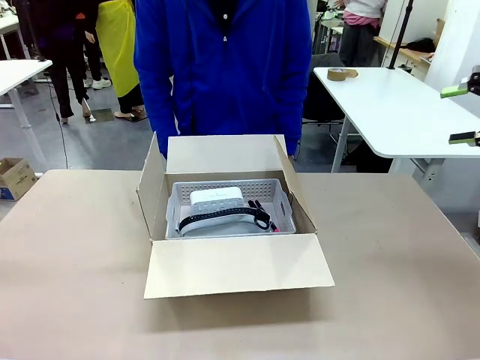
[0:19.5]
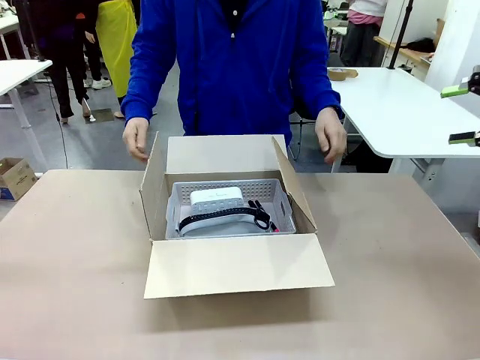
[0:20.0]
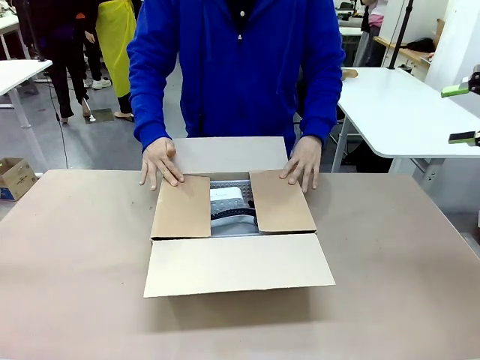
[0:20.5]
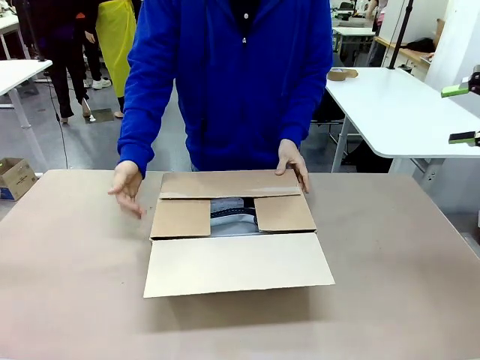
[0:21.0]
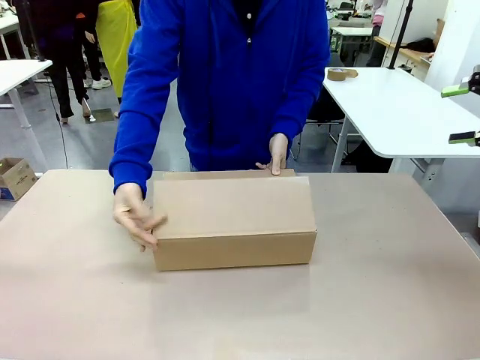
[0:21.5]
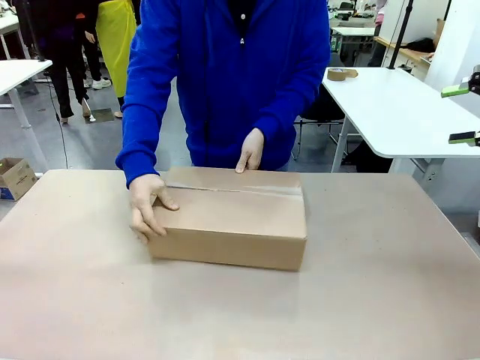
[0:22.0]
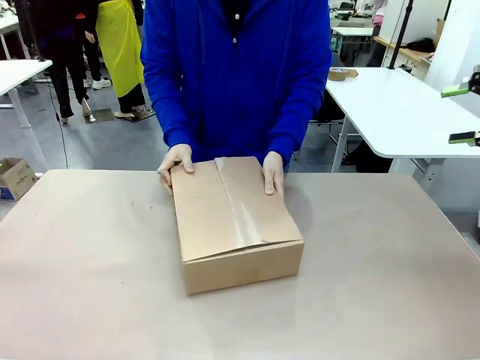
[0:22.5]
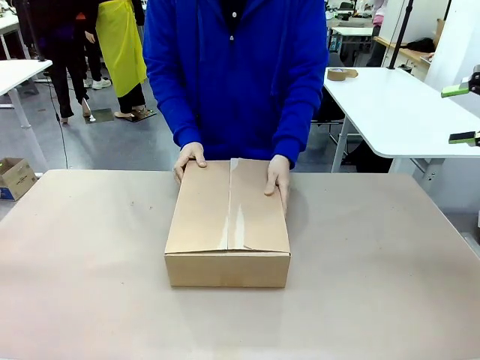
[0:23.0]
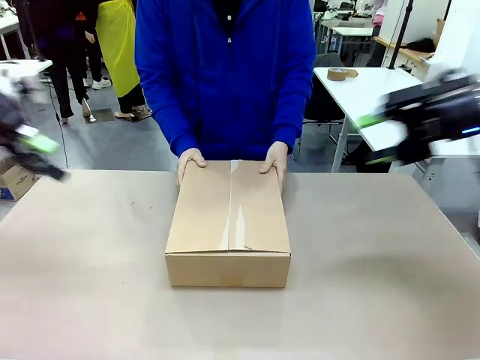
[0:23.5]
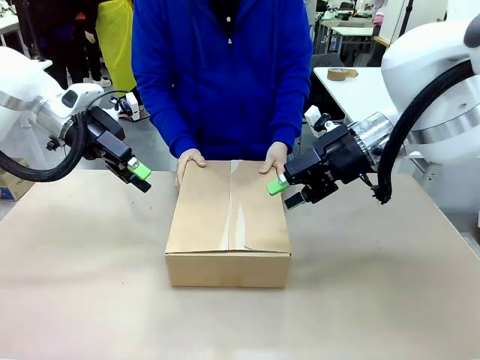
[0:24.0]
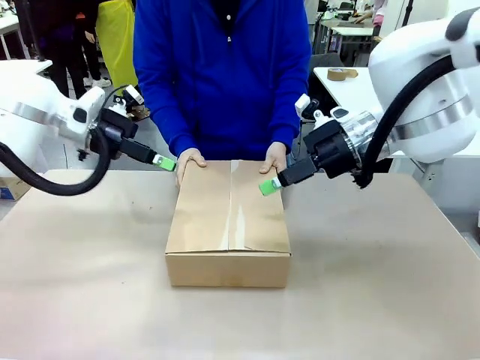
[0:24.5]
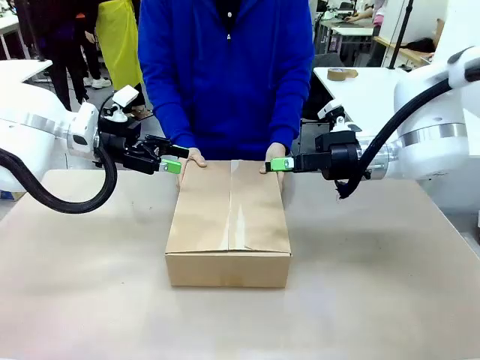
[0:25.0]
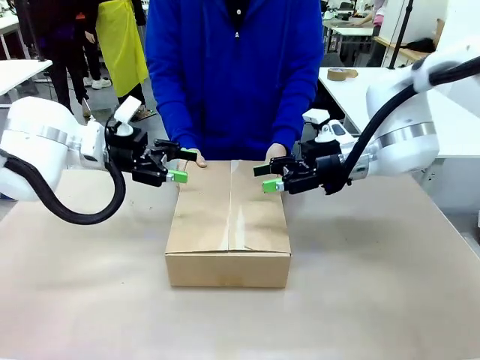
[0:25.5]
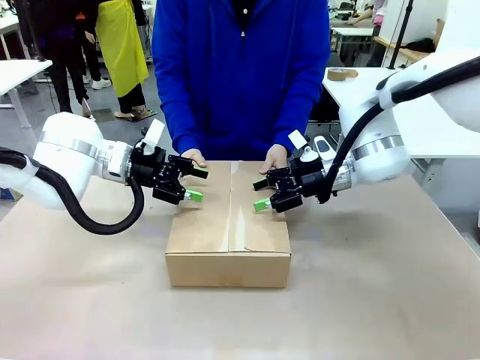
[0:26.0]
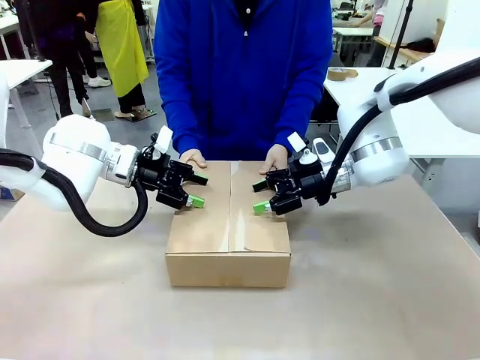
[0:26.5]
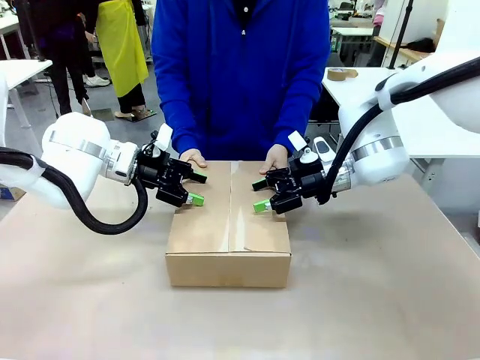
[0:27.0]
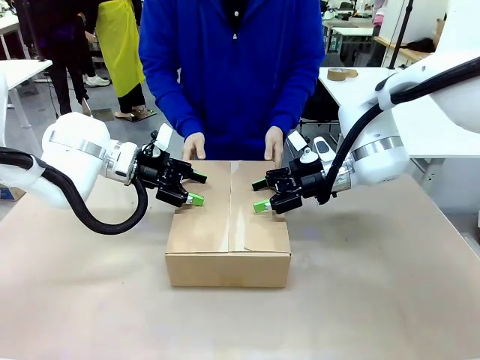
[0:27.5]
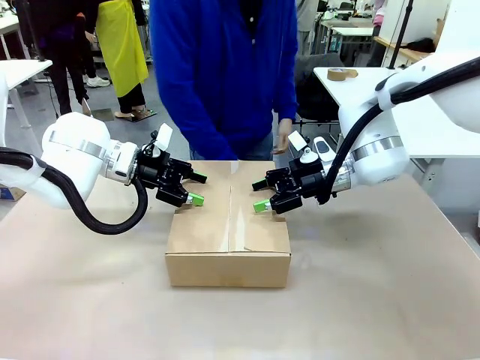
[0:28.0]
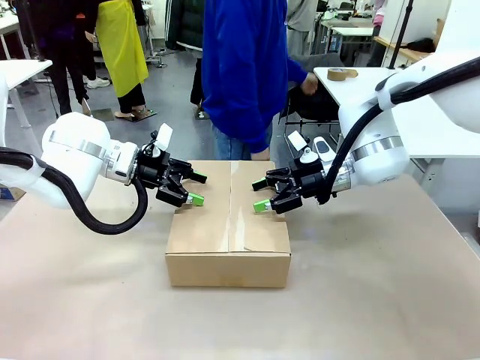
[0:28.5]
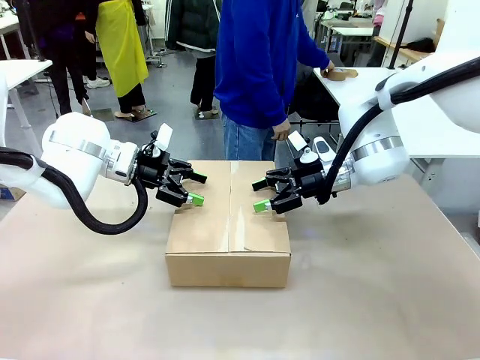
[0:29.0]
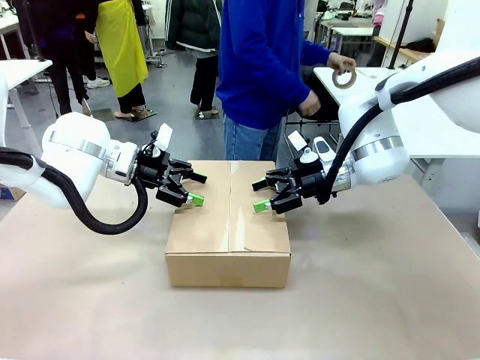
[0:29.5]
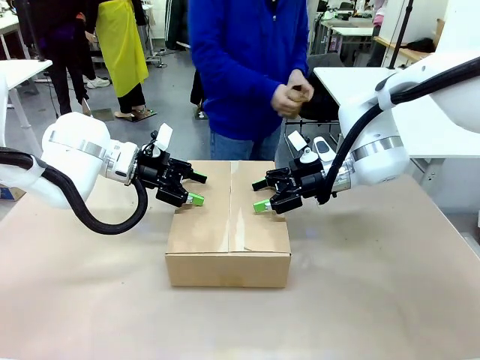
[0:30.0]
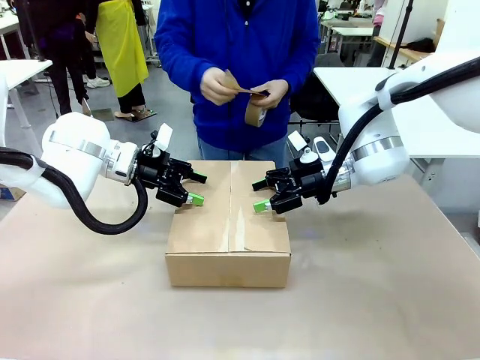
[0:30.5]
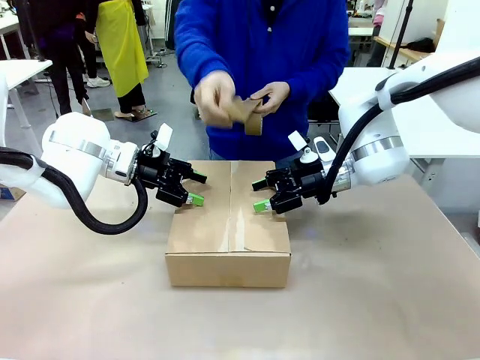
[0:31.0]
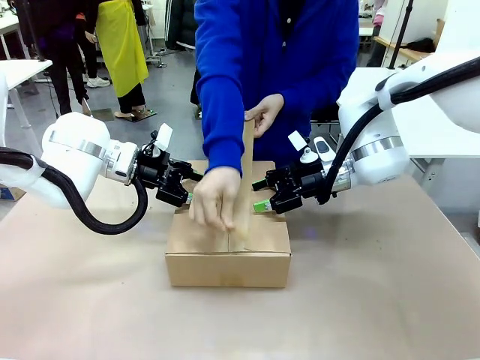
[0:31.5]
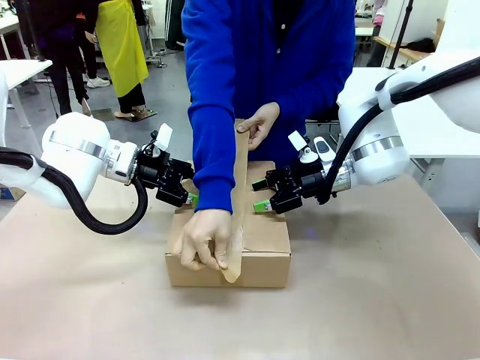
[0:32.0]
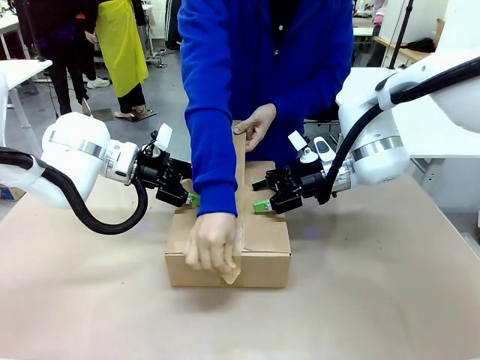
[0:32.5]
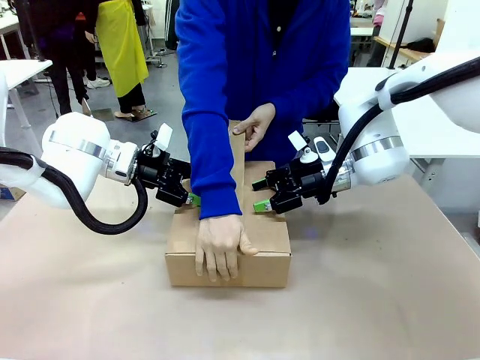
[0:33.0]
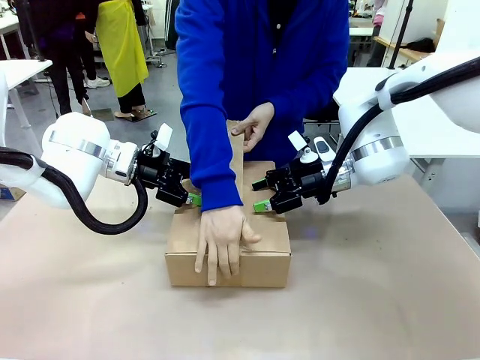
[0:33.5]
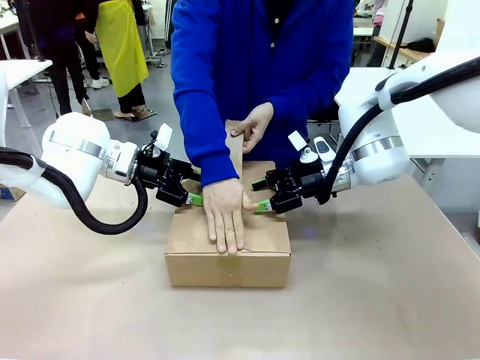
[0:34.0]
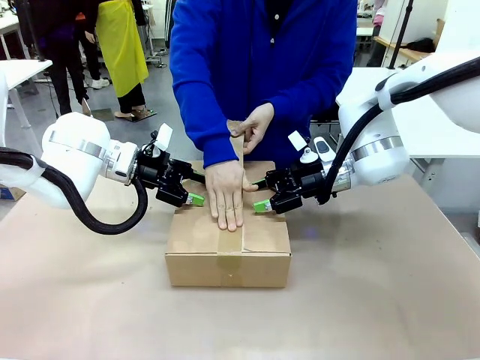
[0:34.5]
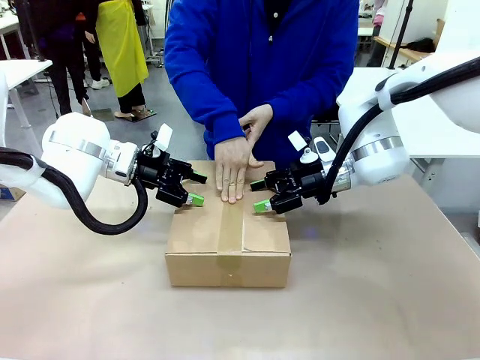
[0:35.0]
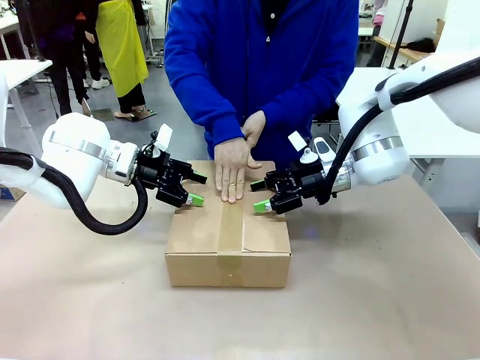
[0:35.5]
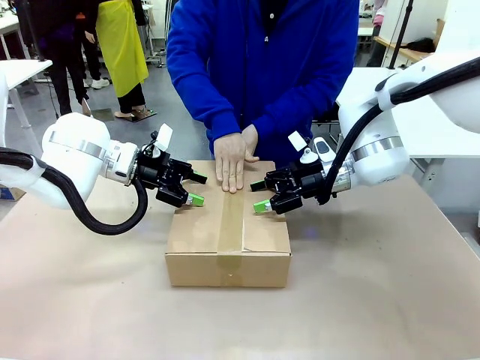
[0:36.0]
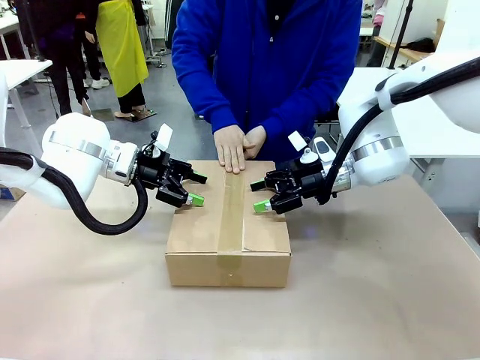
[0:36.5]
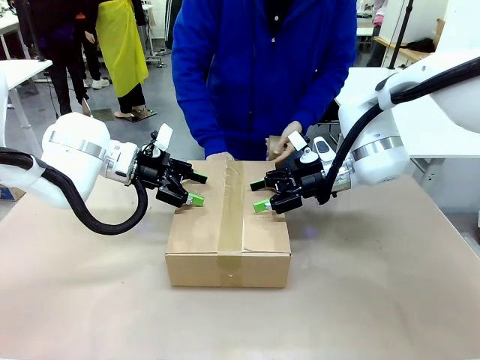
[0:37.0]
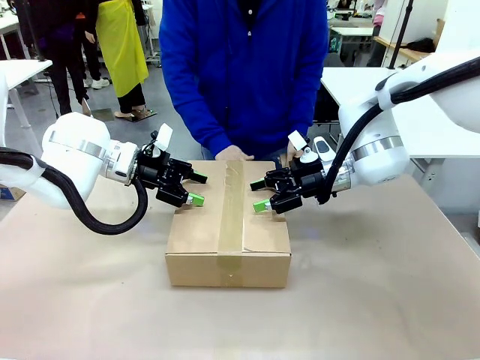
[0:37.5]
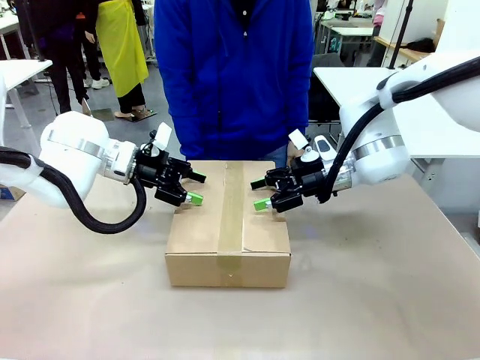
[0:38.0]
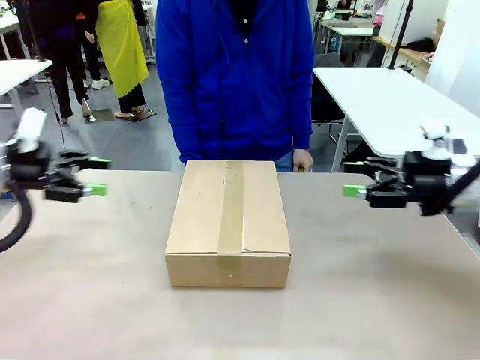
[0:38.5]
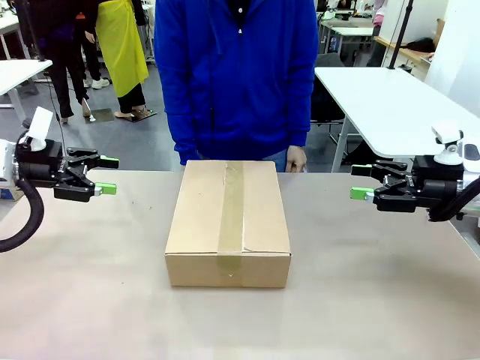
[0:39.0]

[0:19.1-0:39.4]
Task: Pack the gift set into the box.
Robot: Press and hold the closed box until the human finishes sealing it.
Person: The human closes the box and rotates the box by 90 degrees. The human picks up the paper tape from the human table and packs the box.

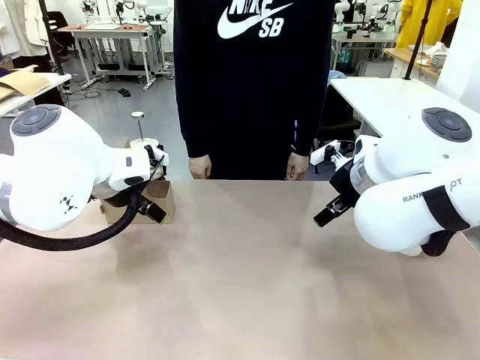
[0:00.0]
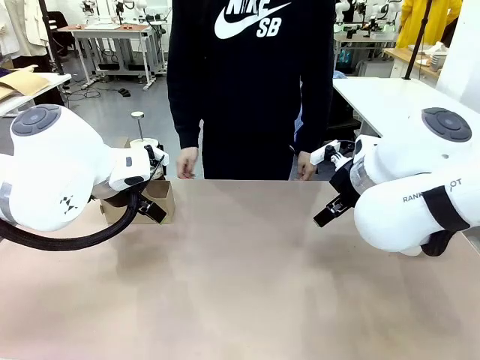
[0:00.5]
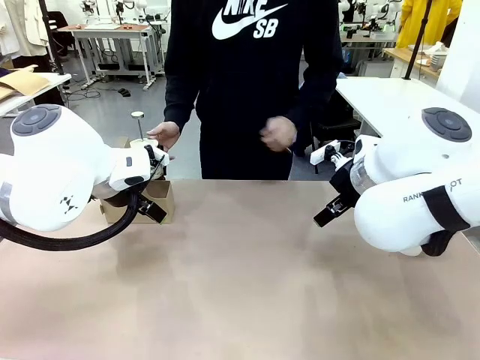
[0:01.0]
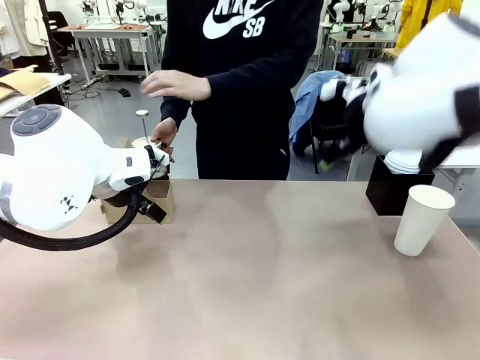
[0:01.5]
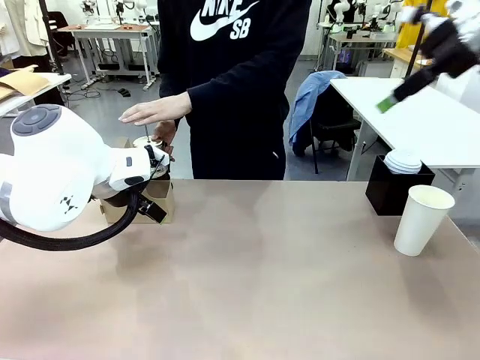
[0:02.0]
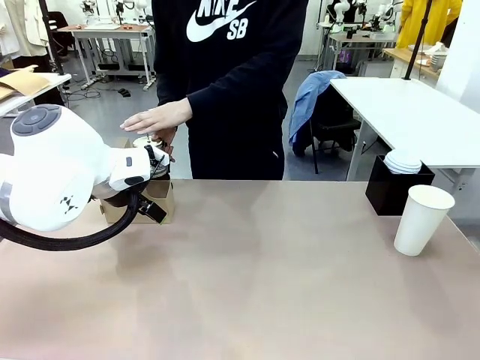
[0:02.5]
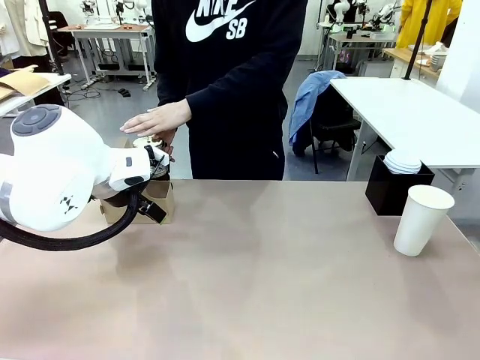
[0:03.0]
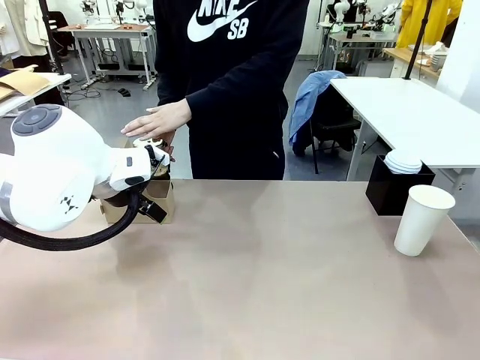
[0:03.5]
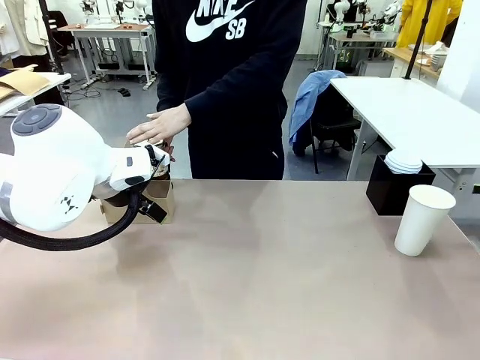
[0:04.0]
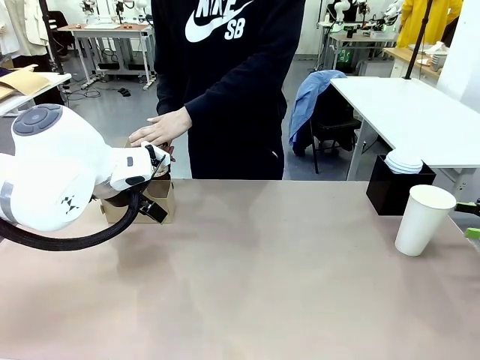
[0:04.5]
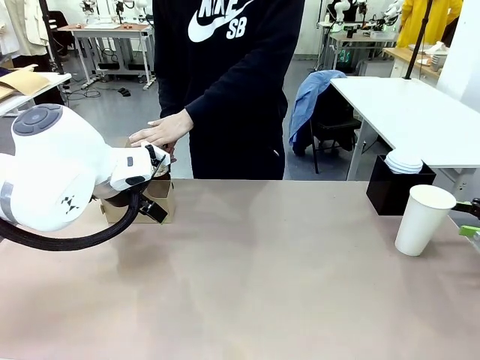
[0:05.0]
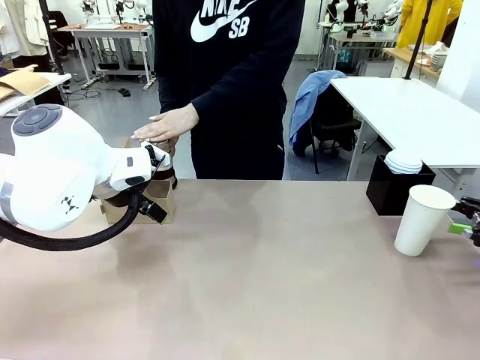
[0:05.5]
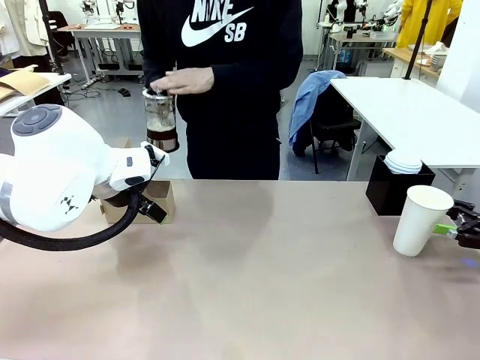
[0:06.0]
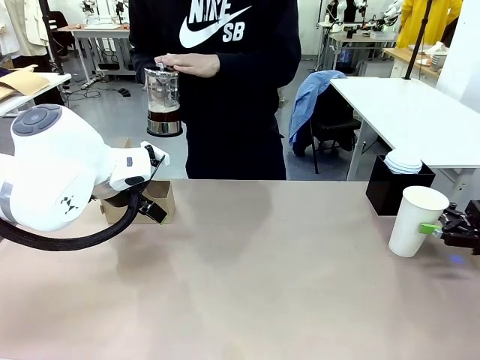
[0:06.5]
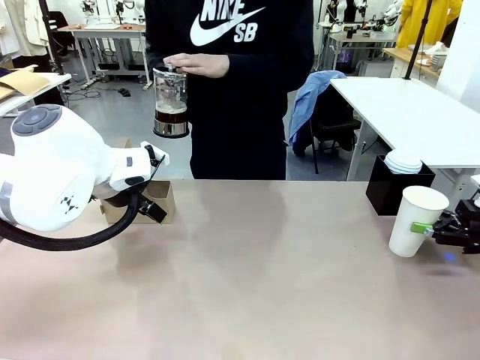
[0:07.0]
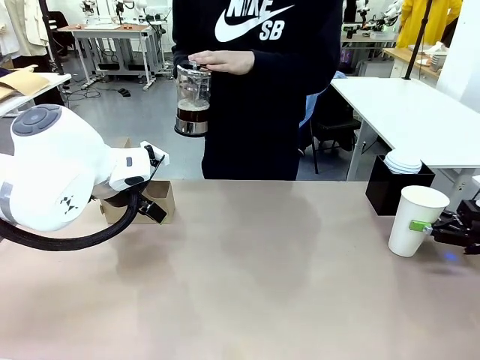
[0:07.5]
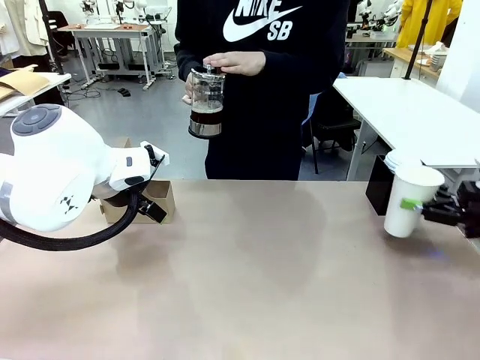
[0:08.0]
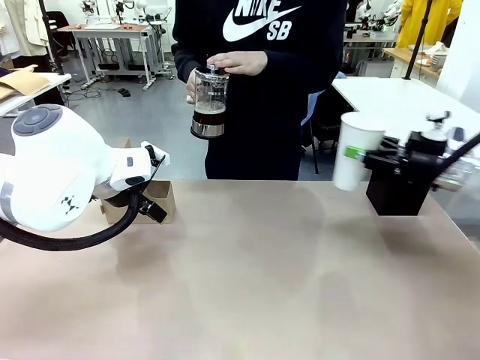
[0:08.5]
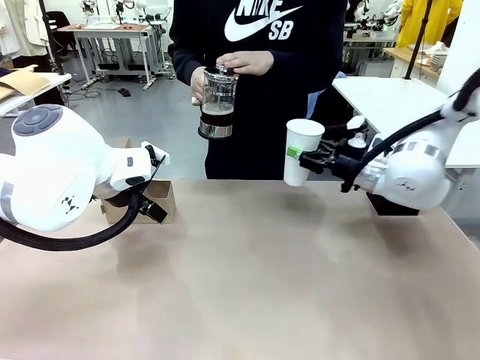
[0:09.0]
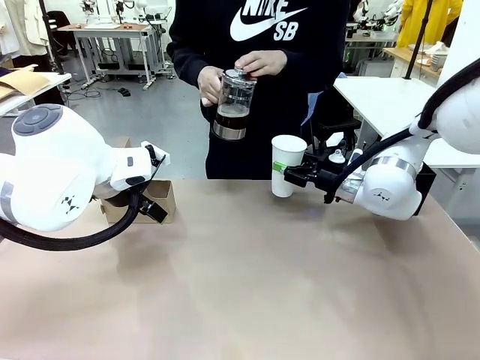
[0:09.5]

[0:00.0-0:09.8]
Task: Pour a drink into a cup and package it in a carrier.
Robot: Pick up the 600 ml Paper Cup and place it in the middle top area of the table.
Person: Press and pick up the Filter Brewing.
